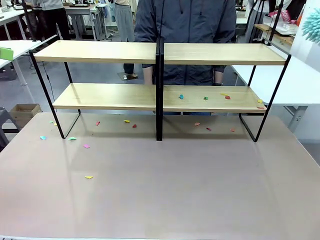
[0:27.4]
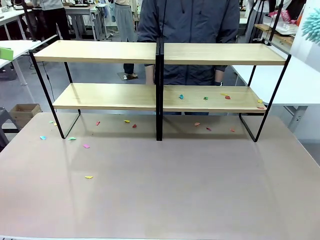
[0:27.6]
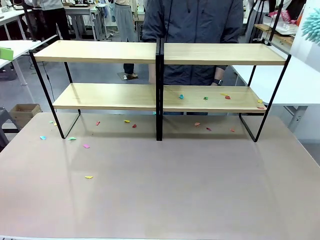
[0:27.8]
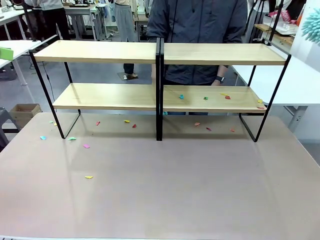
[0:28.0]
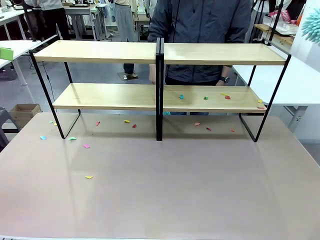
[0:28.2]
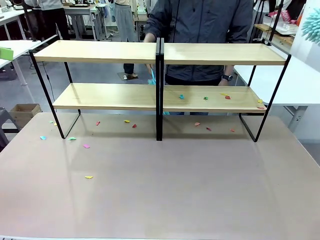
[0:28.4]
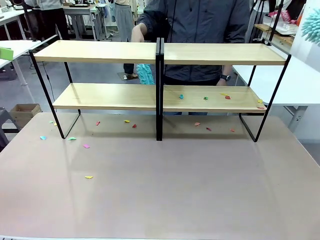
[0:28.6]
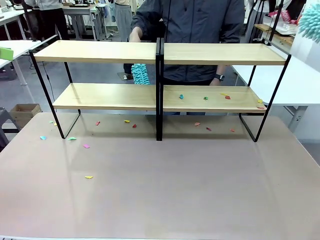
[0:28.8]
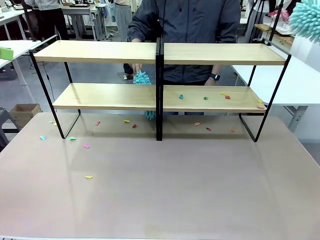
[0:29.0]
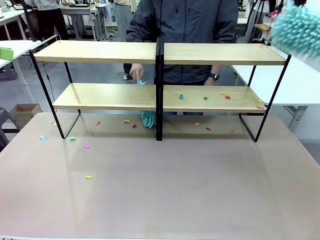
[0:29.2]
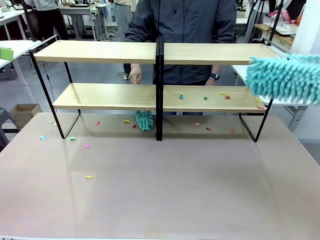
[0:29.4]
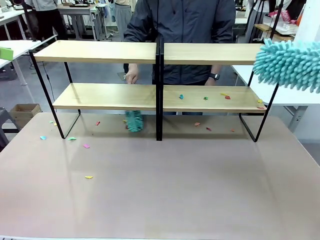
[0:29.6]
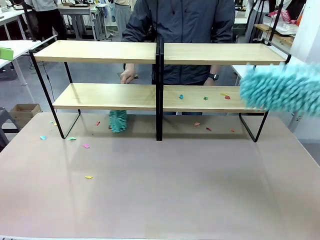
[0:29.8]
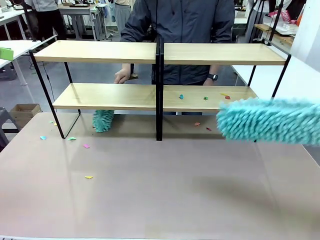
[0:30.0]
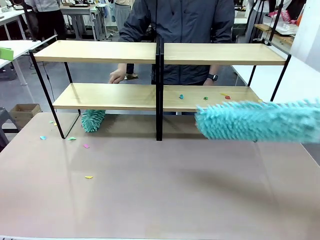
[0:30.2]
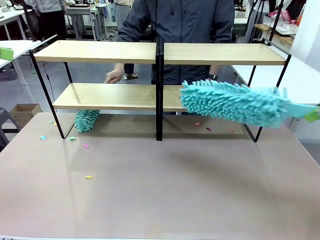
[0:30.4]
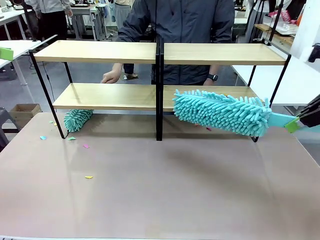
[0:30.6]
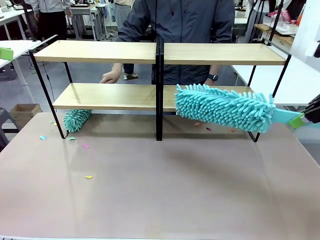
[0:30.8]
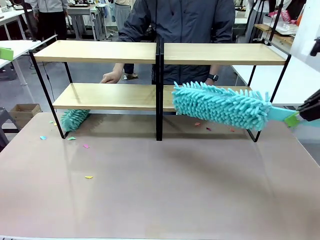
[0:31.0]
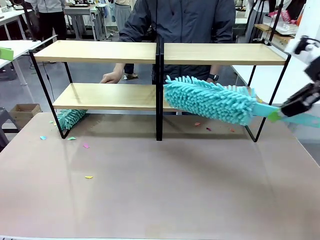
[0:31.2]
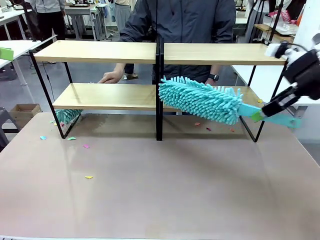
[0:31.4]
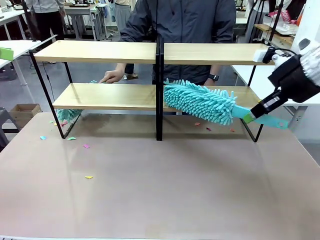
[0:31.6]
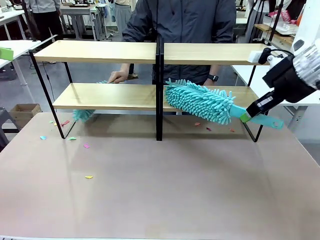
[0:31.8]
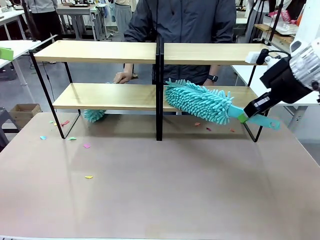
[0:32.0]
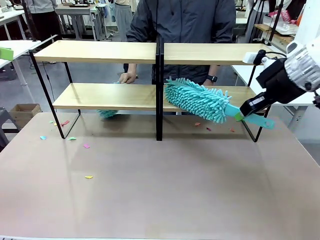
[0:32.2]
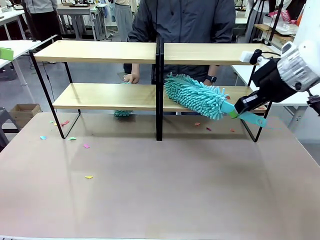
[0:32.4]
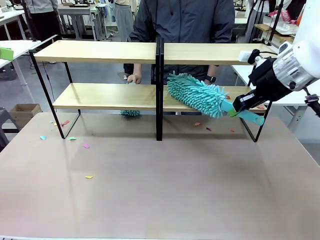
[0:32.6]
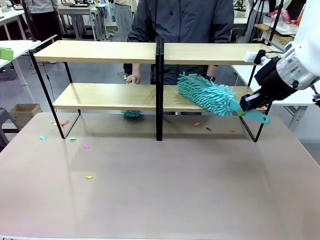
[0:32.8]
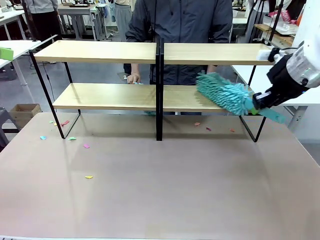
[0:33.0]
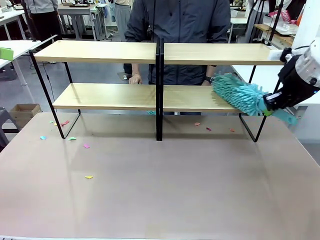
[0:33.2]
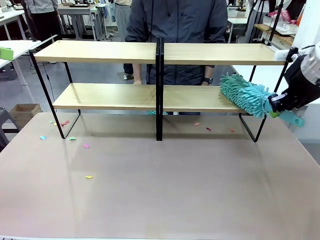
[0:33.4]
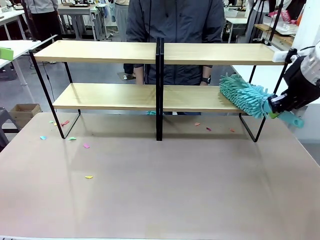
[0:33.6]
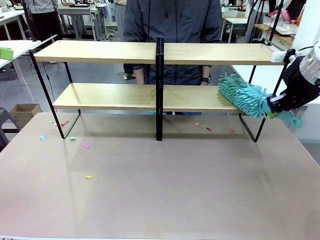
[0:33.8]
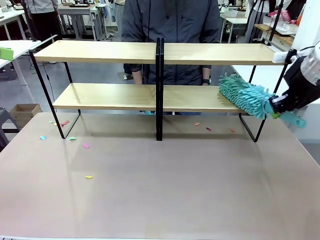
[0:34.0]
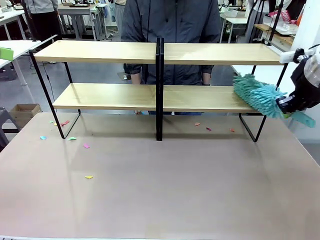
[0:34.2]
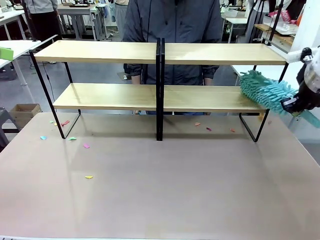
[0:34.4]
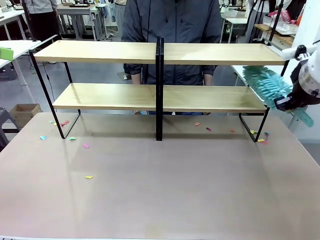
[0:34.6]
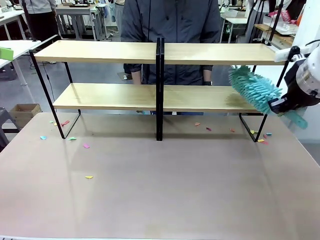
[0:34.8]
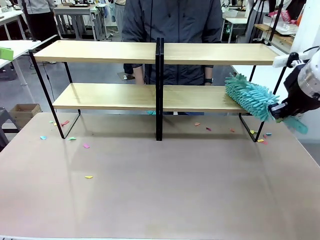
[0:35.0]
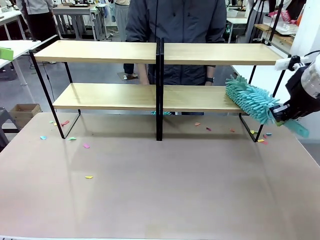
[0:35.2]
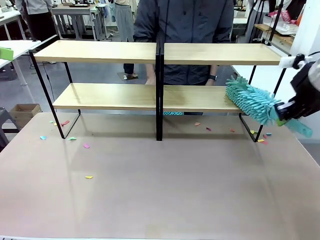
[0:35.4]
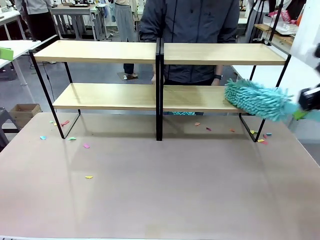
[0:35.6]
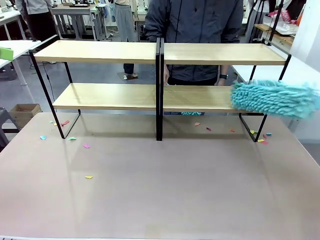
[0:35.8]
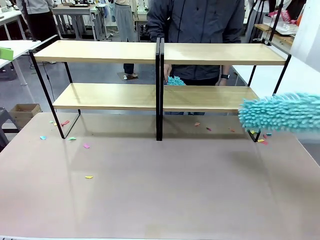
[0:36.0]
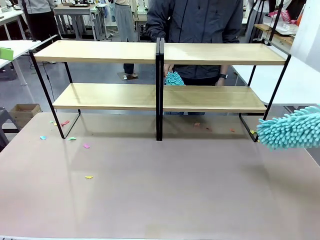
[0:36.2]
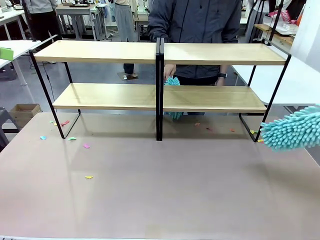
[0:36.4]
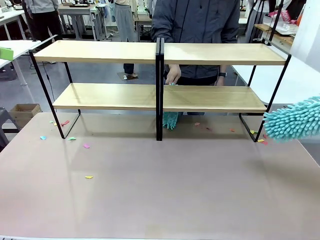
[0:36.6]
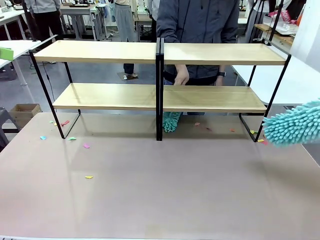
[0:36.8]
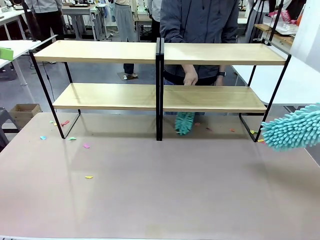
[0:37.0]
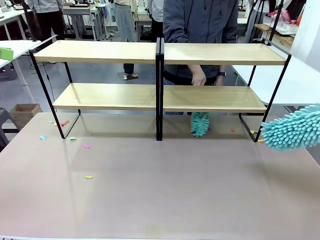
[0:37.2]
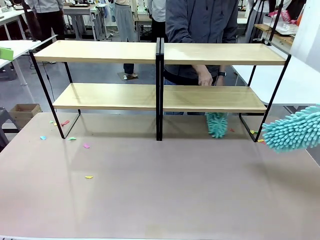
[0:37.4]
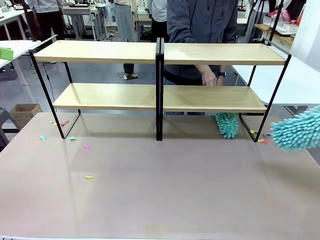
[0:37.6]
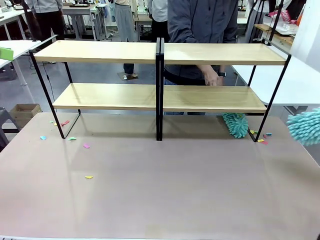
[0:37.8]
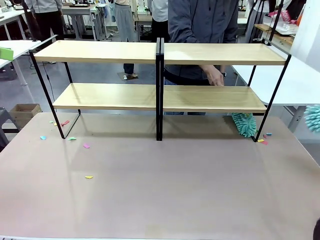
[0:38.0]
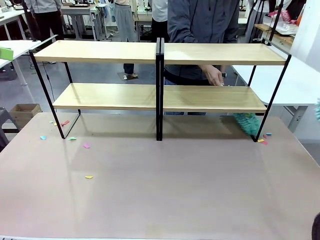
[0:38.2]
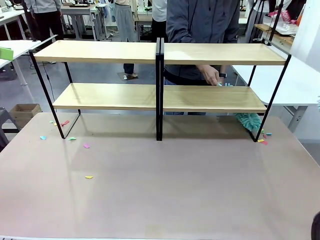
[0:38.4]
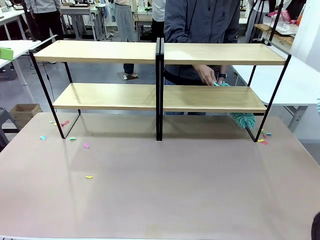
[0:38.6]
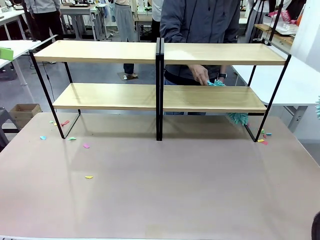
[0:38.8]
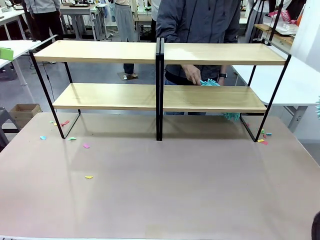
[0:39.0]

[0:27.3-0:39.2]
Task: Clean the shelves.
Robot: Clean another randomly selected level of the Shelf with the Duster.

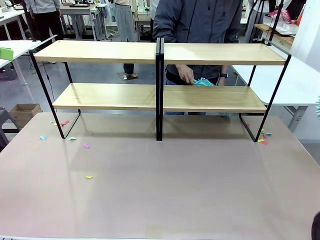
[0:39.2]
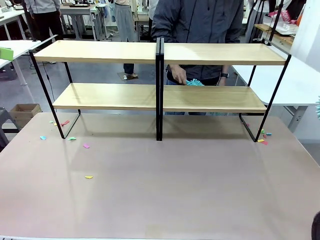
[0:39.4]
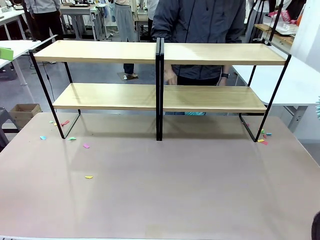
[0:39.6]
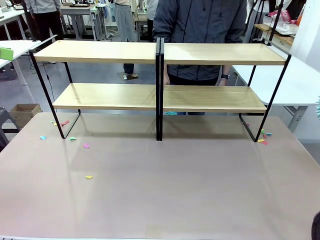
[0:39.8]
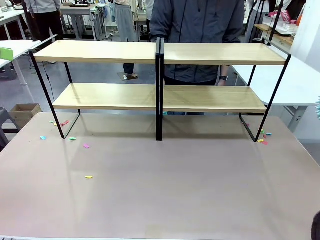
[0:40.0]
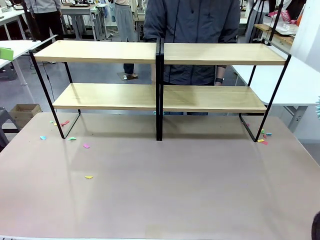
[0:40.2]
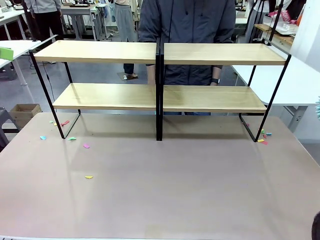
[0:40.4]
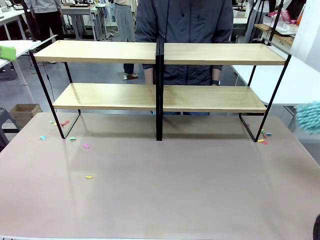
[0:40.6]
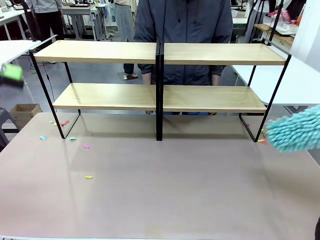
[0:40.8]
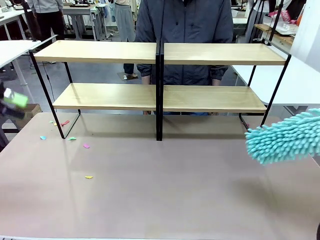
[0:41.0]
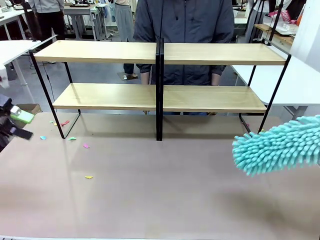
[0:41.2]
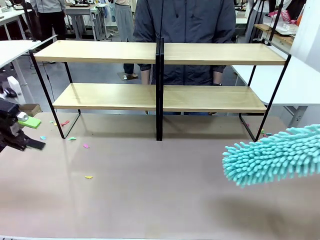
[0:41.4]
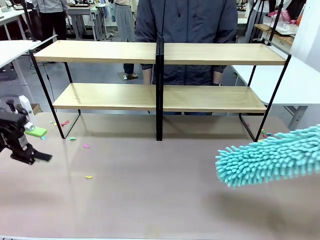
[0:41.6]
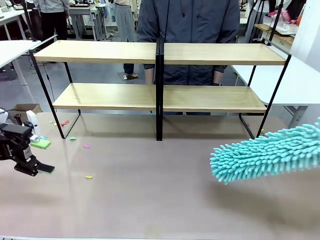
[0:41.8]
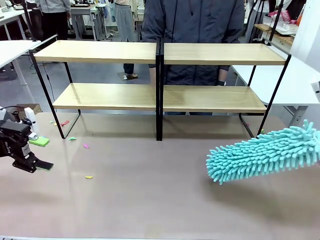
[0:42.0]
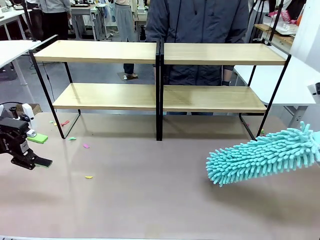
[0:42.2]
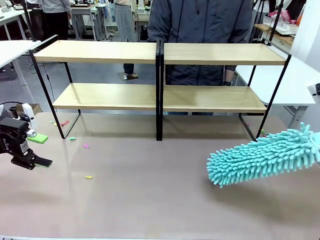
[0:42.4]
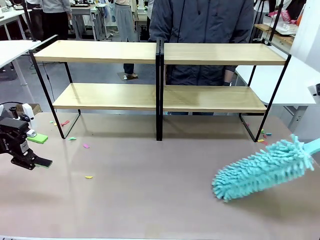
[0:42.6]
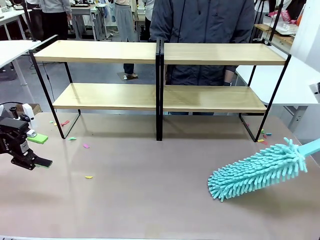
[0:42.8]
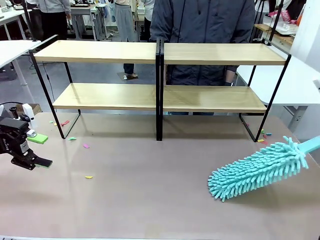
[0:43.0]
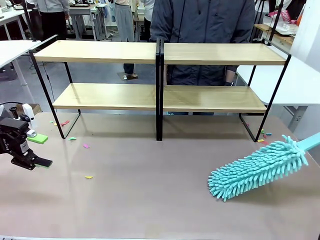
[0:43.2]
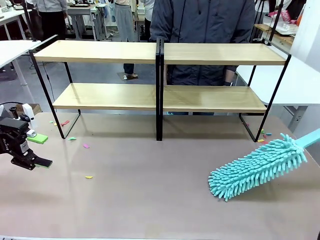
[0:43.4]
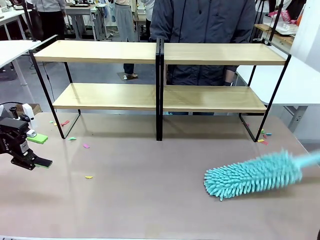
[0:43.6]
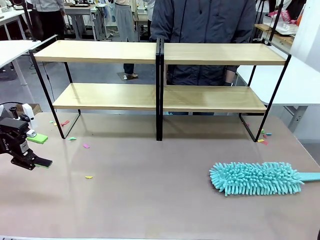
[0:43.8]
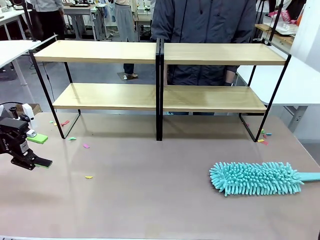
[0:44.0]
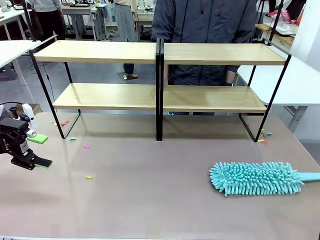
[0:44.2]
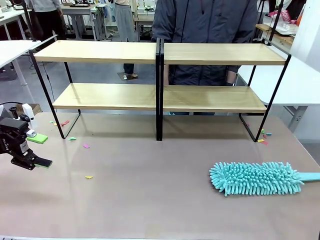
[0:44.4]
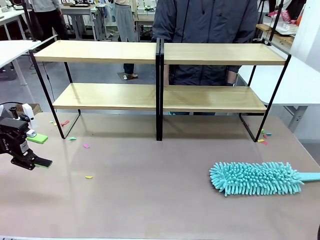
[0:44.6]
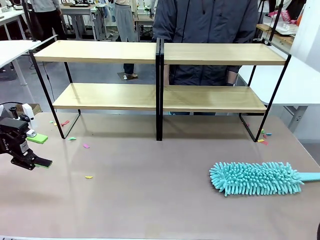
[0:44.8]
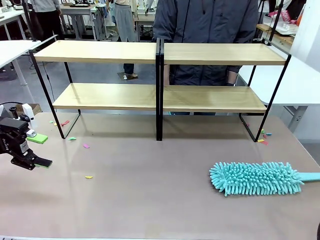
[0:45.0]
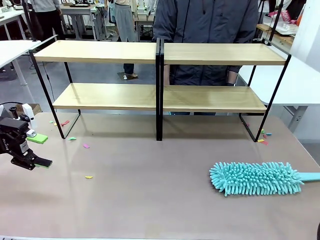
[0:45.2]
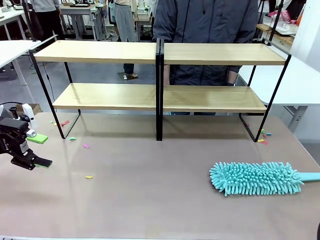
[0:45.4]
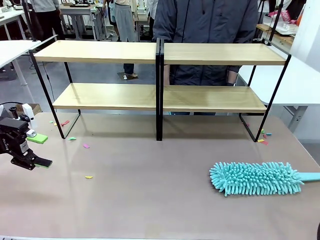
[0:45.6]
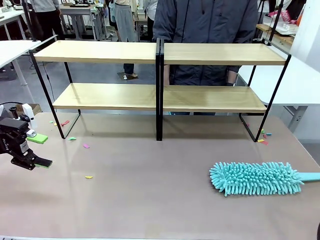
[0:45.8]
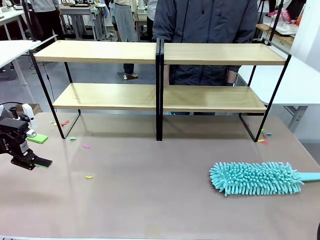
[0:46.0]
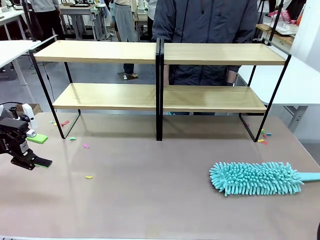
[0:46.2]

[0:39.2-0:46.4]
Robot: Place the Duster on the table.

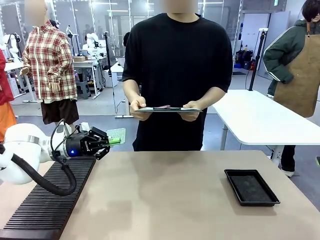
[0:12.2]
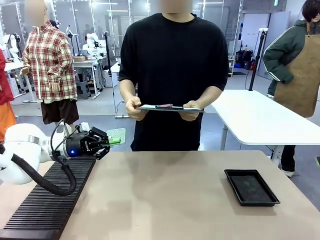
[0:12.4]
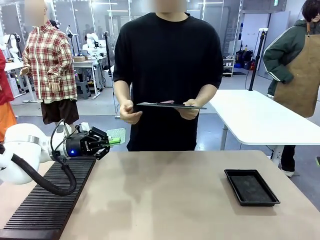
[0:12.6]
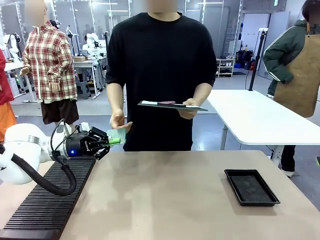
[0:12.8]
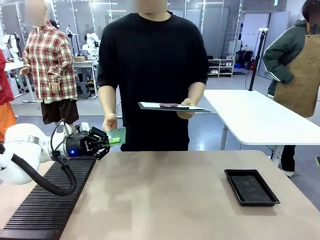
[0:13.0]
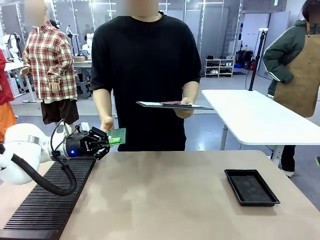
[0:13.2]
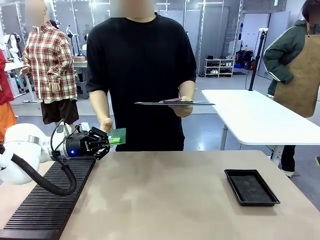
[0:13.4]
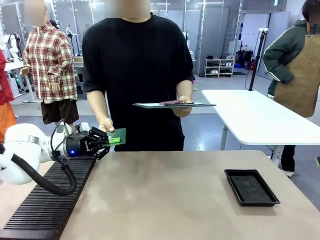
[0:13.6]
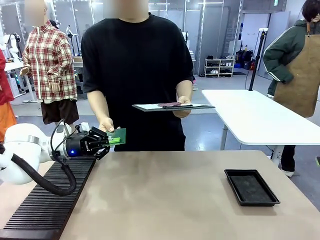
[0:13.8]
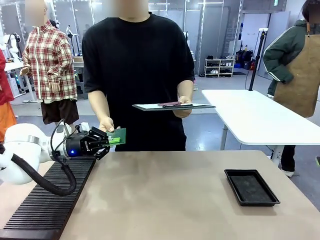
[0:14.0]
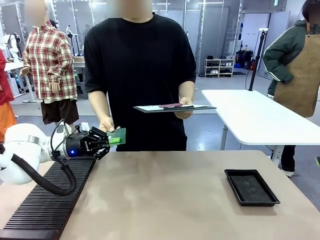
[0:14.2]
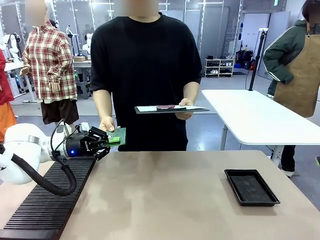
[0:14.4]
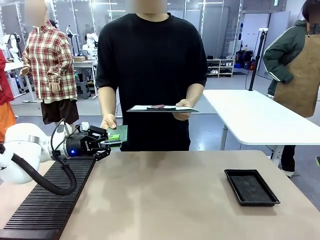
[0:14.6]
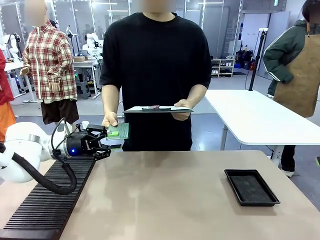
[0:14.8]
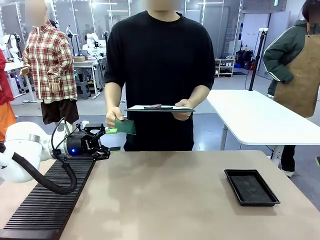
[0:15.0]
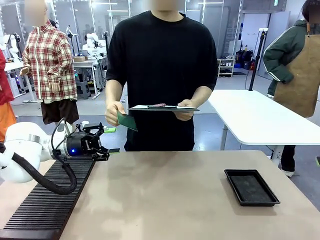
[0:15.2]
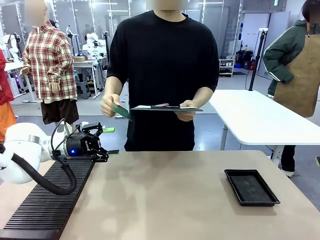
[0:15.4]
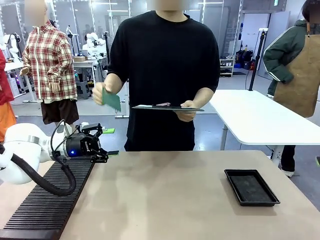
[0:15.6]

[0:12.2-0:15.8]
Task: Inspect the PCB.
Robot: Release the Blank PCB you were holding.
